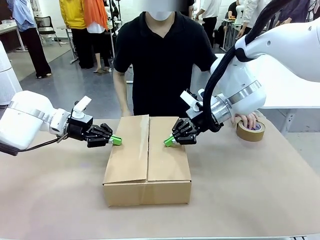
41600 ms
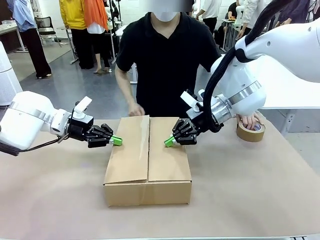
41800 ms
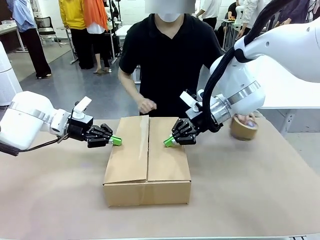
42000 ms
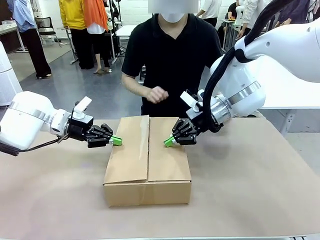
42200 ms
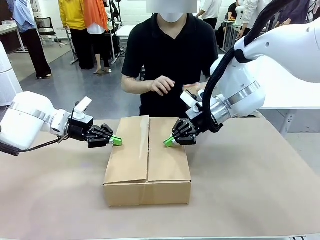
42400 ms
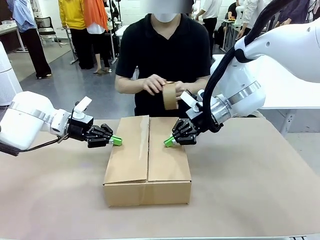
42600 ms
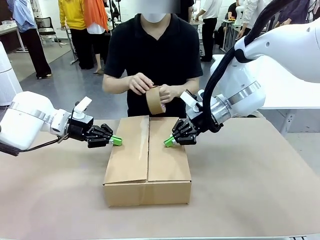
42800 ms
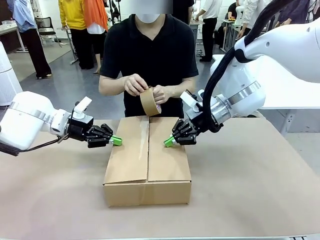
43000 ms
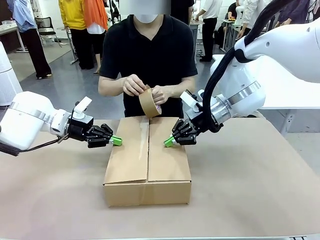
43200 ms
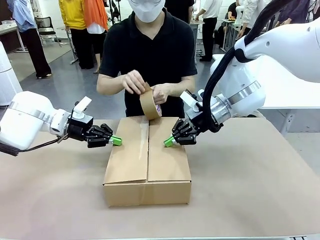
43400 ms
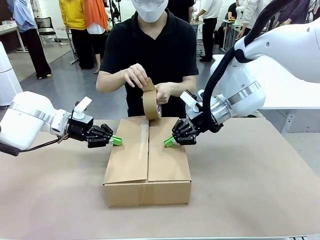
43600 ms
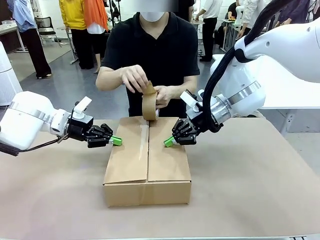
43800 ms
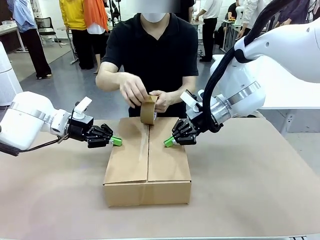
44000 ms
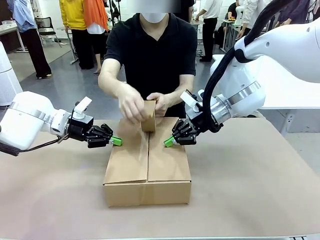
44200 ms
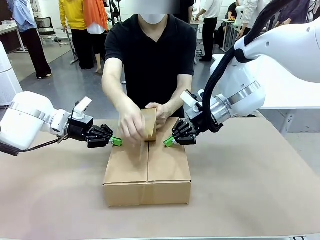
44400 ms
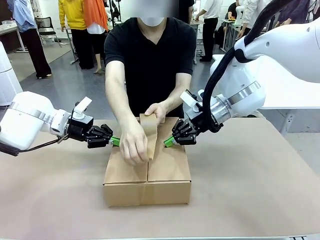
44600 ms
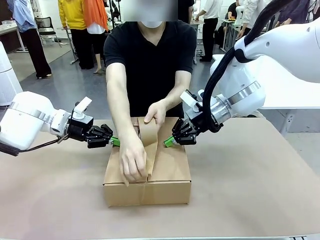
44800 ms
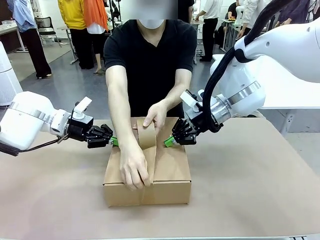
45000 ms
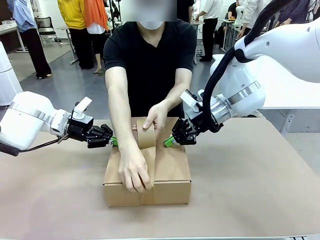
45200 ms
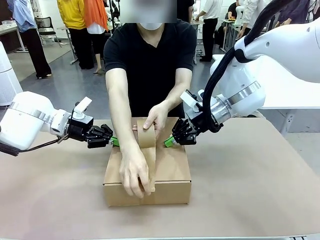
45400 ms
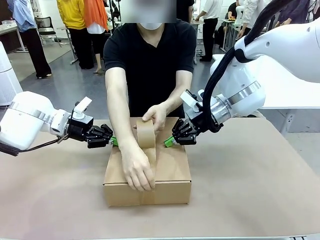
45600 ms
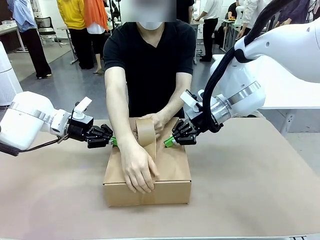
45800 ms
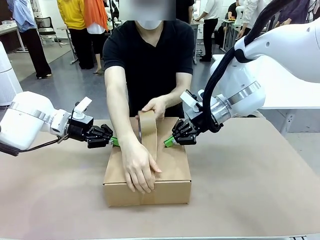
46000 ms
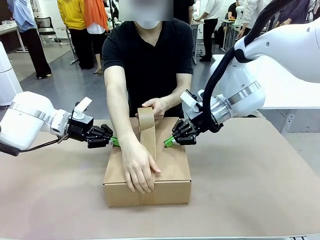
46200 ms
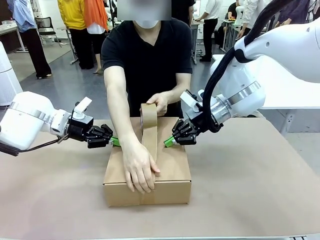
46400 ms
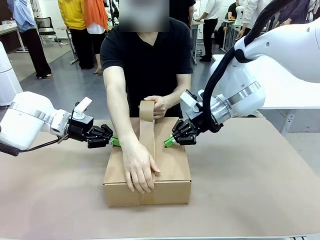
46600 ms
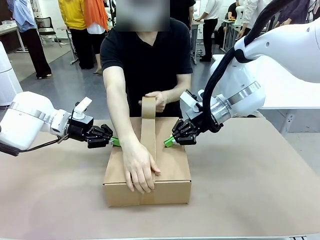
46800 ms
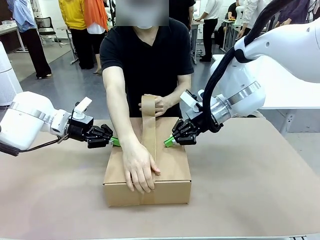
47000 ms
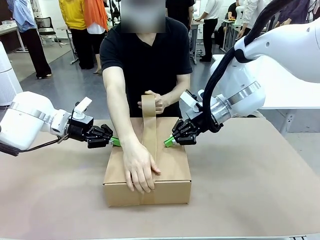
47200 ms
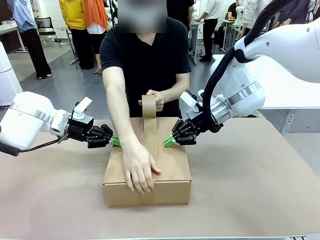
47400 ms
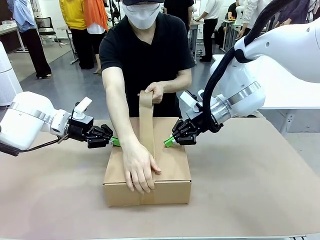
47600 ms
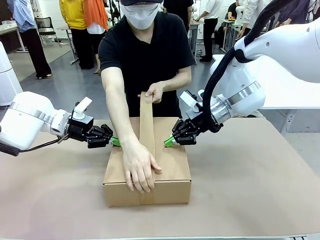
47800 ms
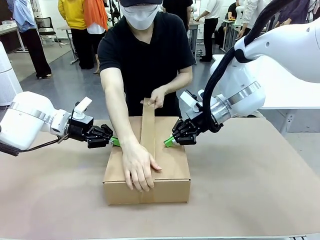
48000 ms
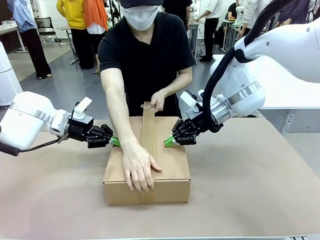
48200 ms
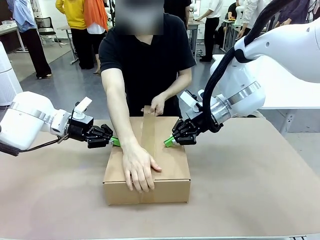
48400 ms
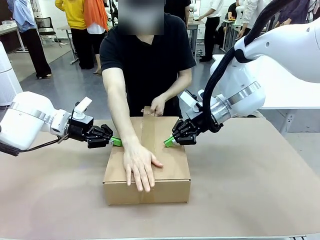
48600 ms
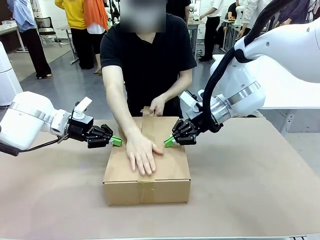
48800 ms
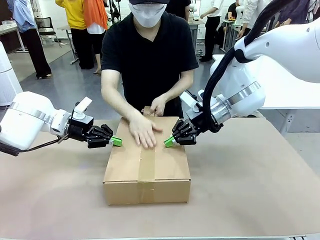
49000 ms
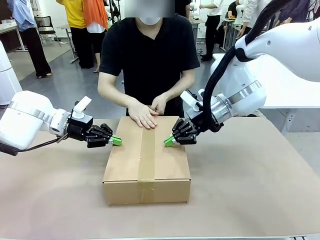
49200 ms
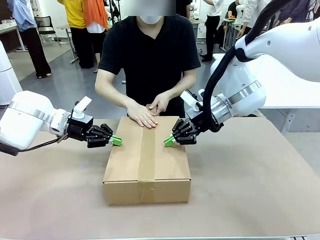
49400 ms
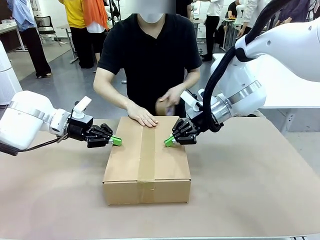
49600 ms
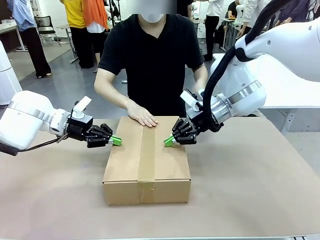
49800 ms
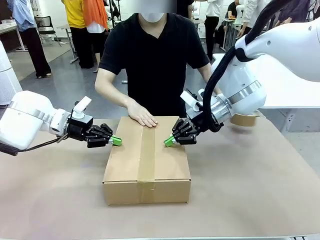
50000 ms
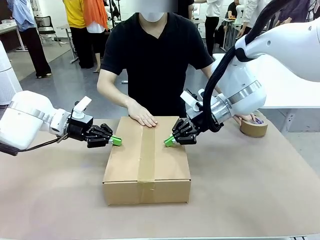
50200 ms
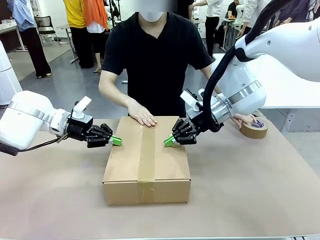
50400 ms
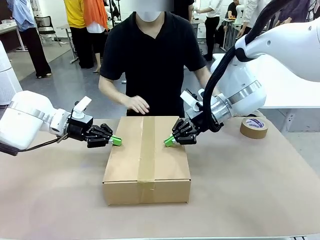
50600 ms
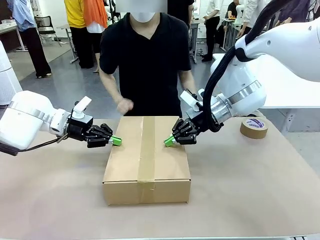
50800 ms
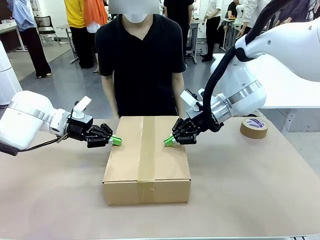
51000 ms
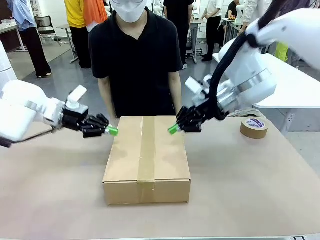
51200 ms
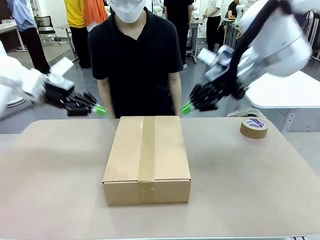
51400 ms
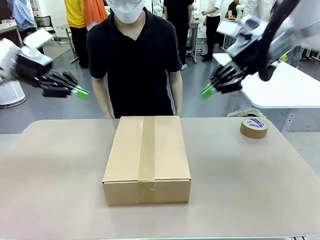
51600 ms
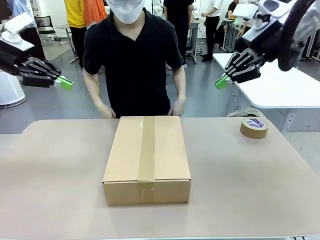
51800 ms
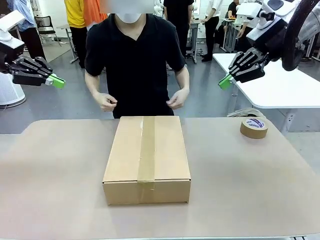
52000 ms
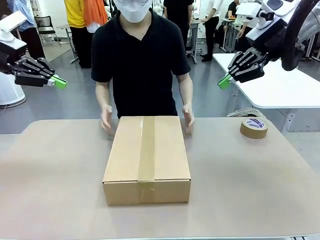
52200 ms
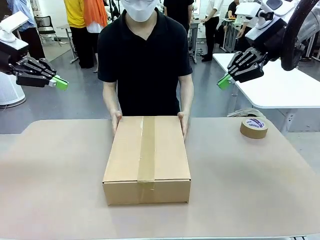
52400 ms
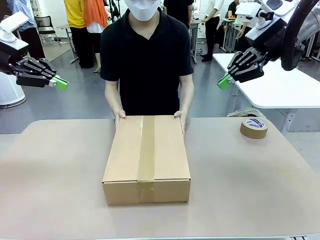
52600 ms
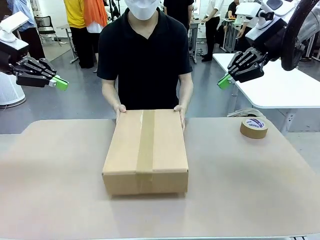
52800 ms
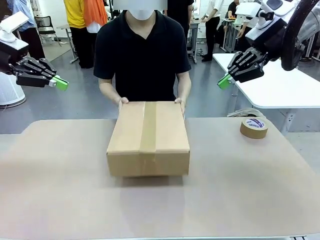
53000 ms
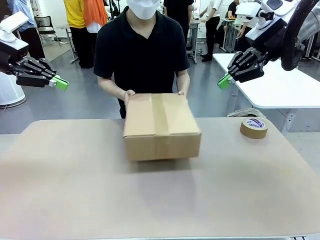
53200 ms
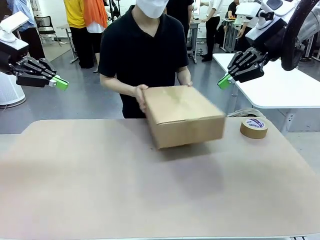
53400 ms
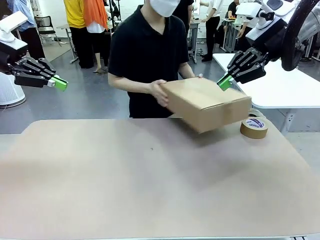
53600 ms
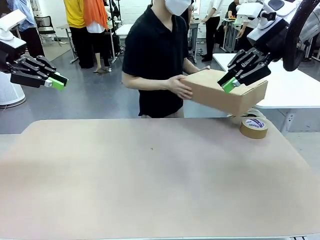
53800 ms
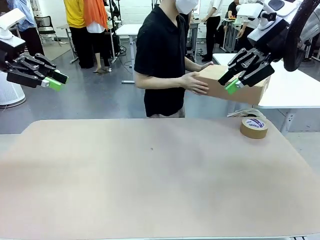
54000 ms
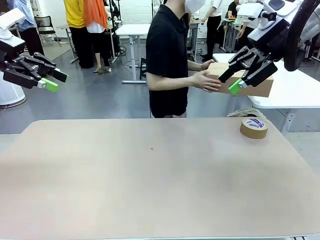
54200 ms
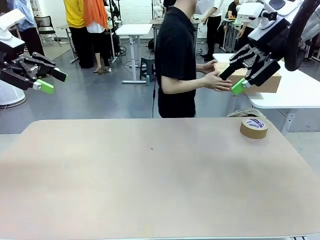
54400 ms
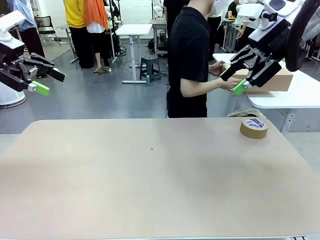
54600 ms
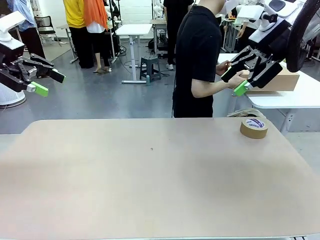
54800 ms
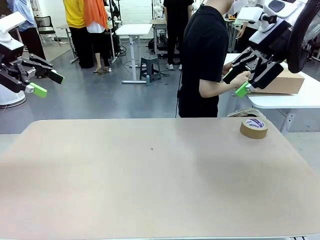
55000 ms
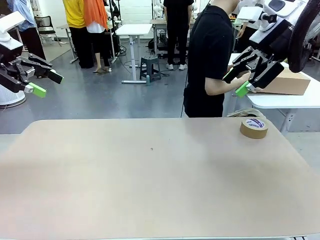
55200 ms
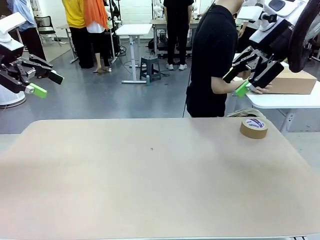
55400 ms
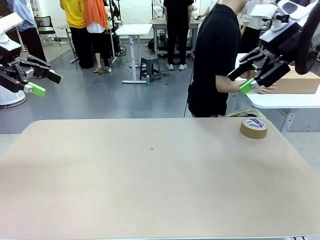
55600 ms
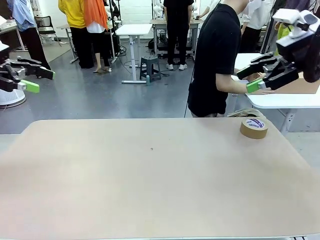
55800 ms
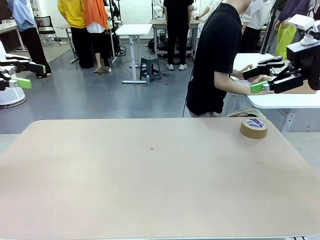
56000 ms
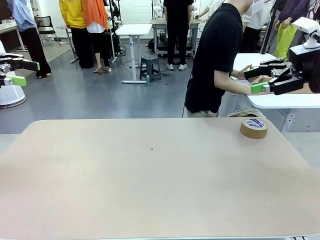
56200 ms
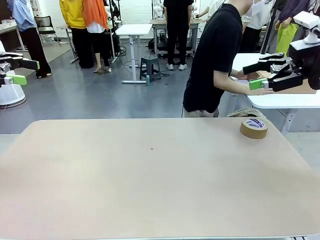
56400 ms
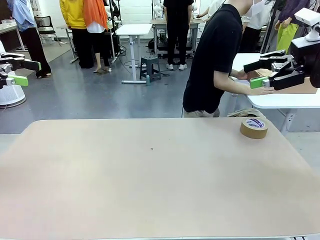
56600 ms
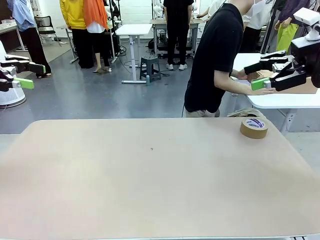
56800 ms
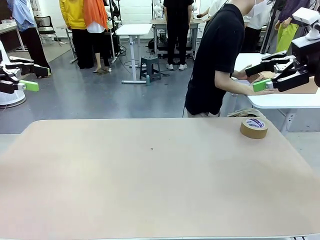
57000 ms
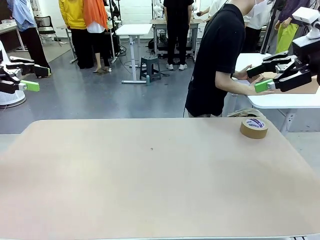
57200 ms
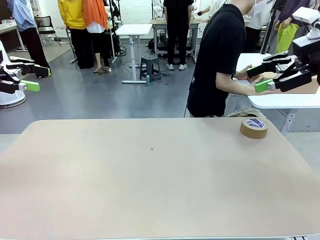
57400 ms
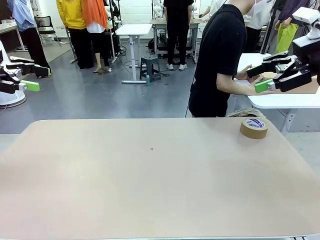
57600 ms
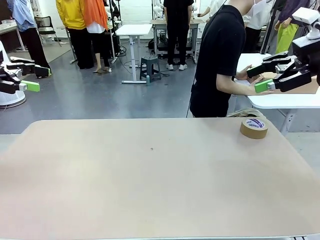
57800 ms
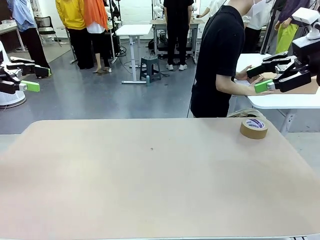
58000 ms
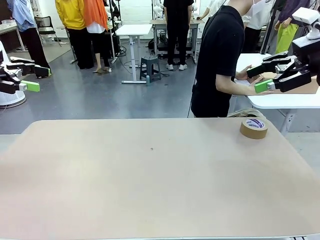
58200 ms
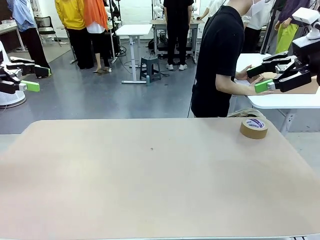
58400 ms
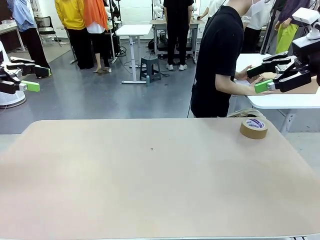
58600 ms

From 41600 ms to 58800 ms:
Task: Wrap the clocks to prevent damage.
Robot: After the human seals the box with tape, release both hands from the side flaps of the Package Box.
Person: Once the robot closes the left flap of the Package Box , seal the box with Paper Tape. Place sealed Package Box in the middle of the human's table.
